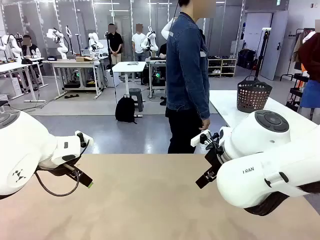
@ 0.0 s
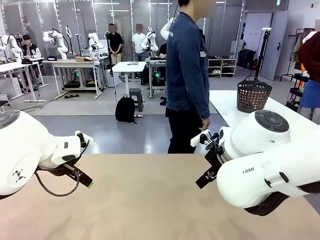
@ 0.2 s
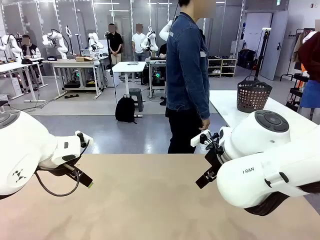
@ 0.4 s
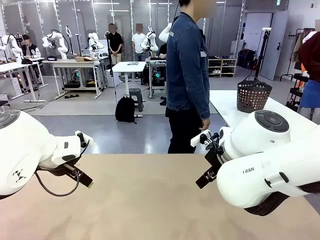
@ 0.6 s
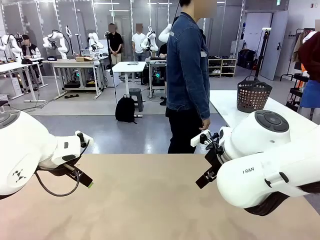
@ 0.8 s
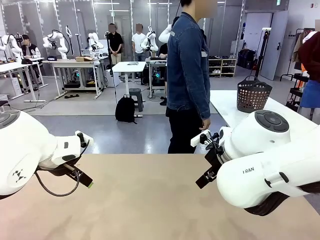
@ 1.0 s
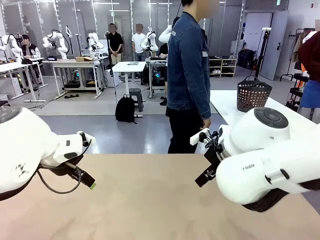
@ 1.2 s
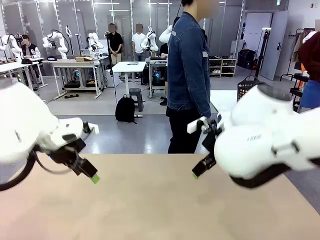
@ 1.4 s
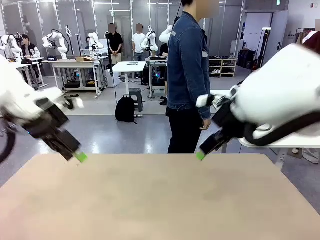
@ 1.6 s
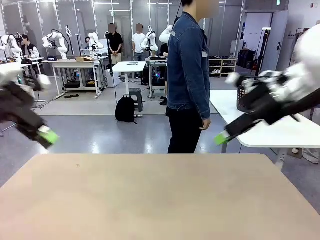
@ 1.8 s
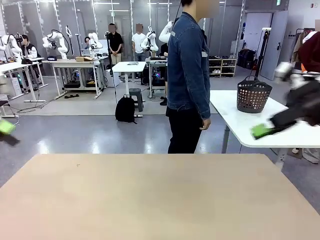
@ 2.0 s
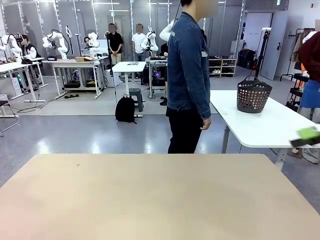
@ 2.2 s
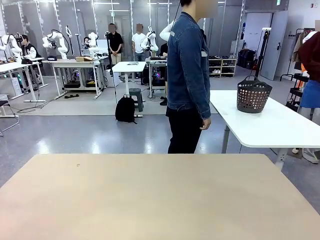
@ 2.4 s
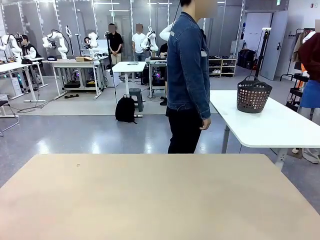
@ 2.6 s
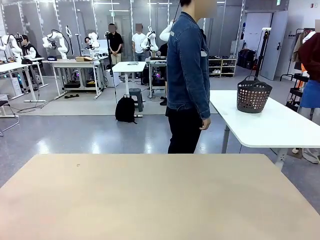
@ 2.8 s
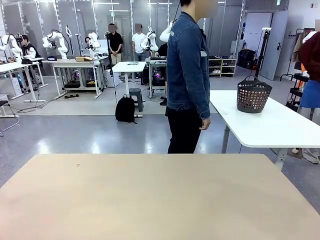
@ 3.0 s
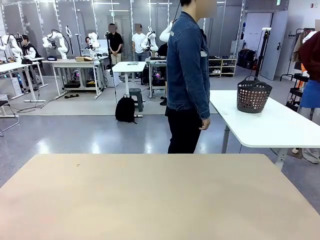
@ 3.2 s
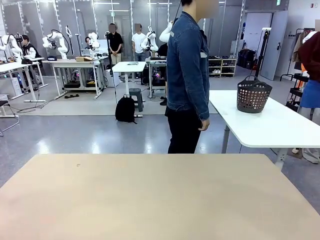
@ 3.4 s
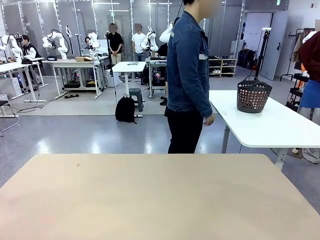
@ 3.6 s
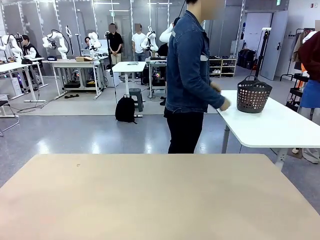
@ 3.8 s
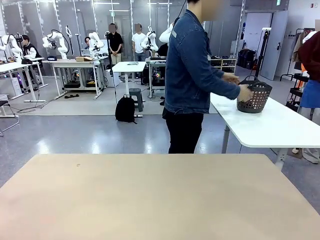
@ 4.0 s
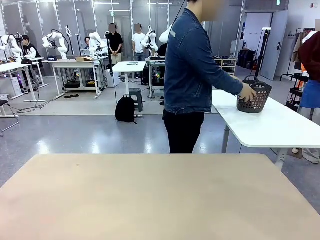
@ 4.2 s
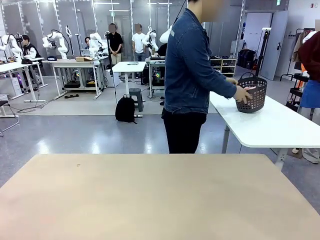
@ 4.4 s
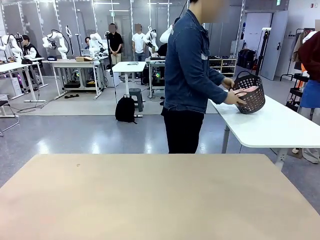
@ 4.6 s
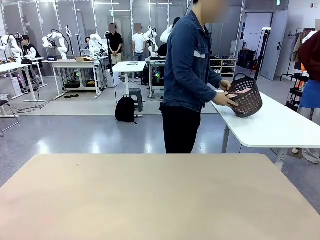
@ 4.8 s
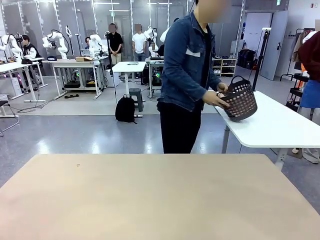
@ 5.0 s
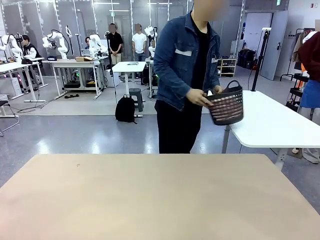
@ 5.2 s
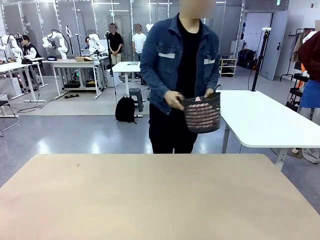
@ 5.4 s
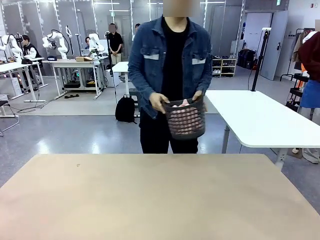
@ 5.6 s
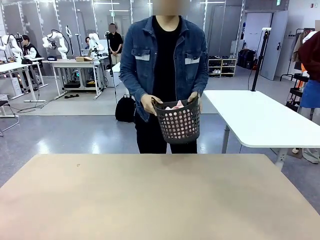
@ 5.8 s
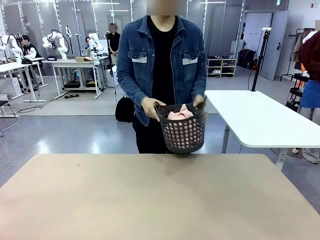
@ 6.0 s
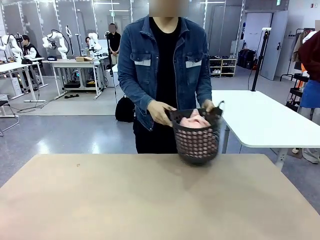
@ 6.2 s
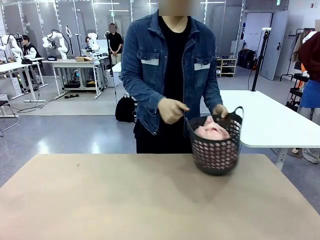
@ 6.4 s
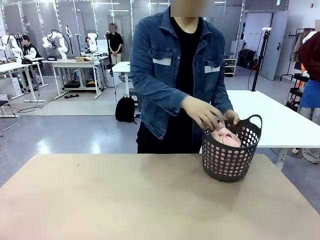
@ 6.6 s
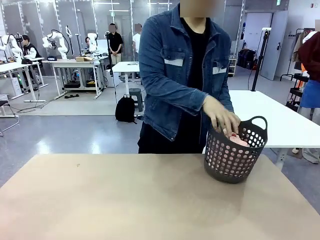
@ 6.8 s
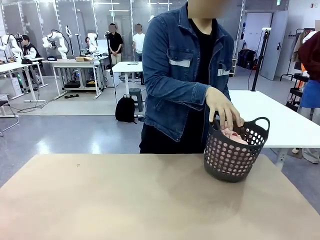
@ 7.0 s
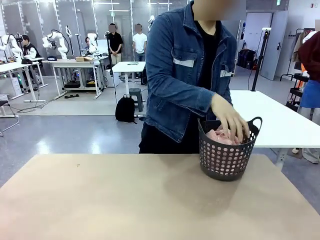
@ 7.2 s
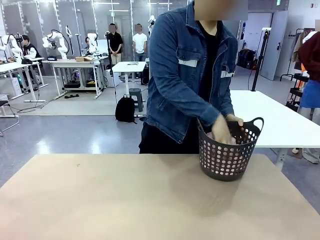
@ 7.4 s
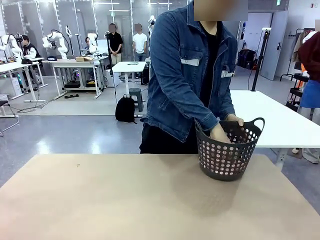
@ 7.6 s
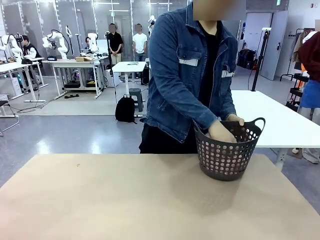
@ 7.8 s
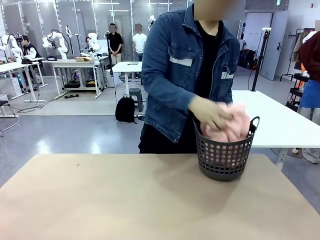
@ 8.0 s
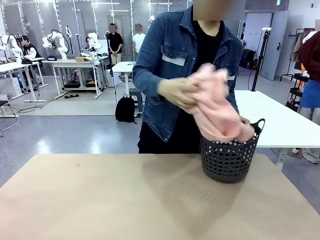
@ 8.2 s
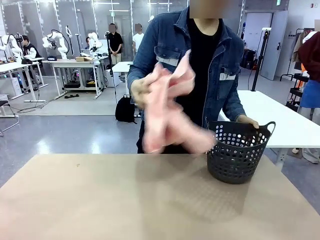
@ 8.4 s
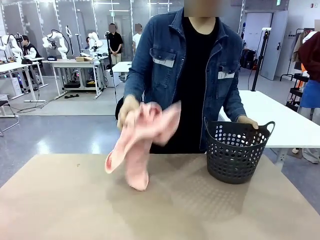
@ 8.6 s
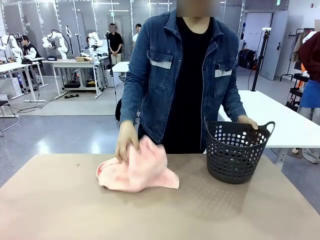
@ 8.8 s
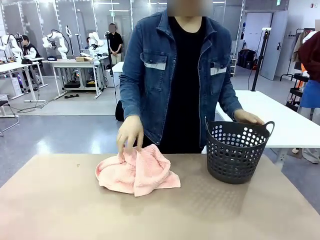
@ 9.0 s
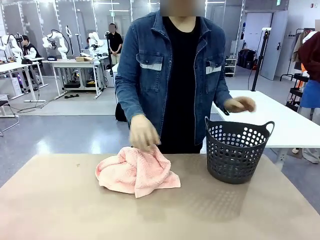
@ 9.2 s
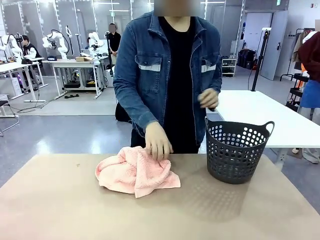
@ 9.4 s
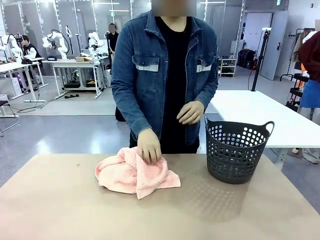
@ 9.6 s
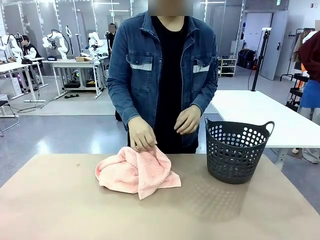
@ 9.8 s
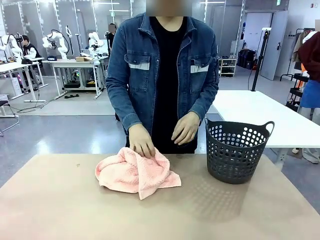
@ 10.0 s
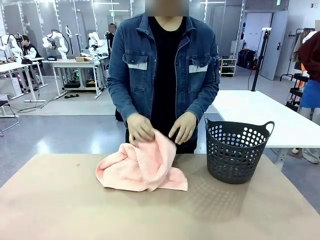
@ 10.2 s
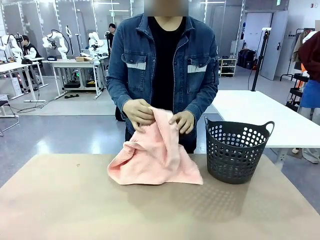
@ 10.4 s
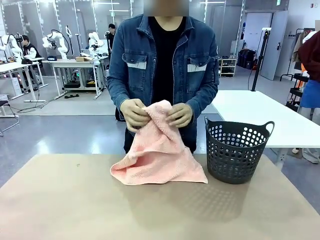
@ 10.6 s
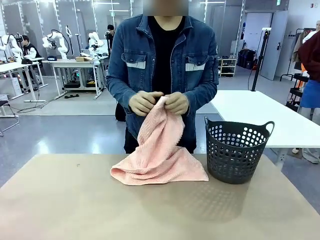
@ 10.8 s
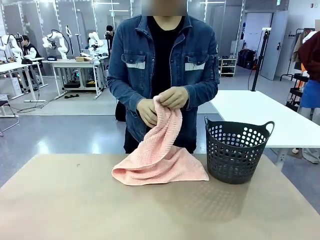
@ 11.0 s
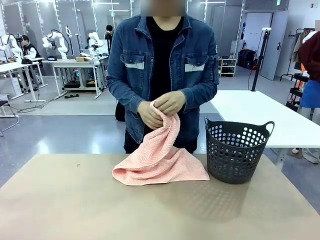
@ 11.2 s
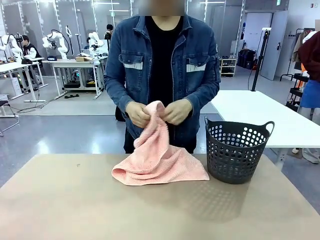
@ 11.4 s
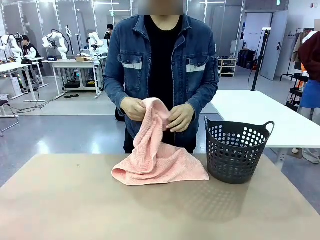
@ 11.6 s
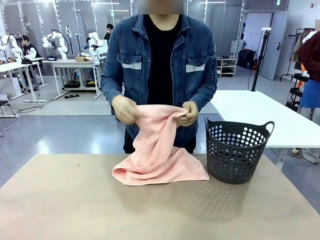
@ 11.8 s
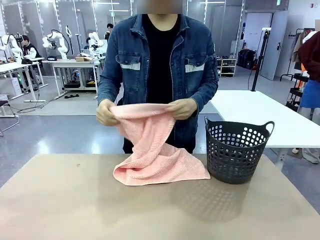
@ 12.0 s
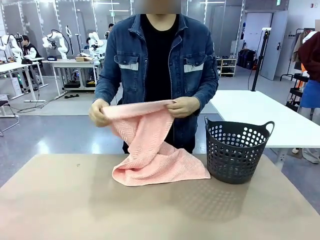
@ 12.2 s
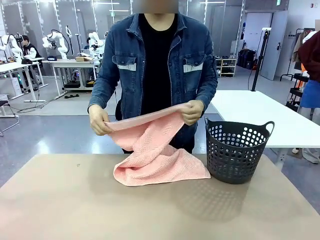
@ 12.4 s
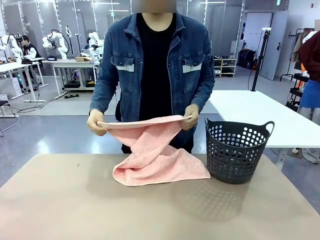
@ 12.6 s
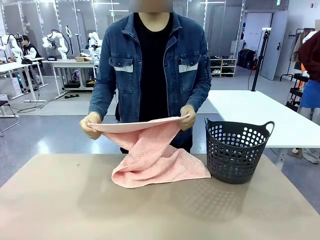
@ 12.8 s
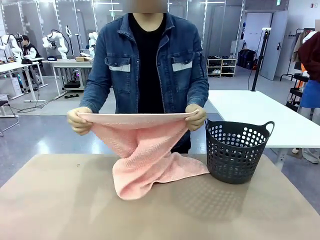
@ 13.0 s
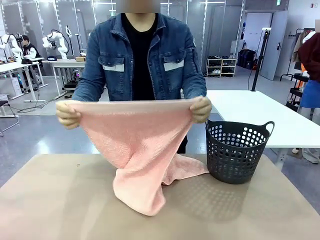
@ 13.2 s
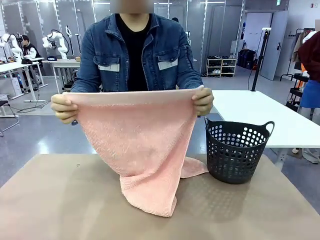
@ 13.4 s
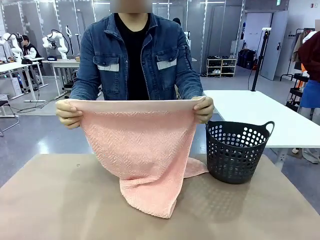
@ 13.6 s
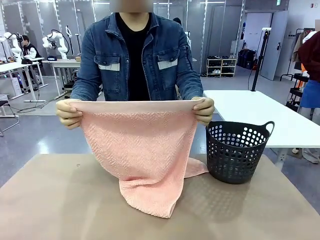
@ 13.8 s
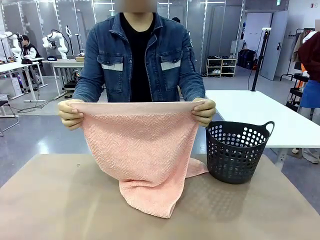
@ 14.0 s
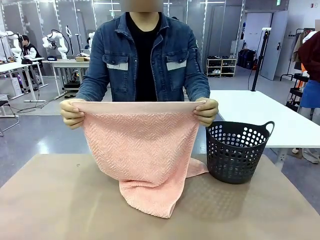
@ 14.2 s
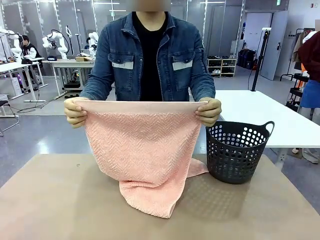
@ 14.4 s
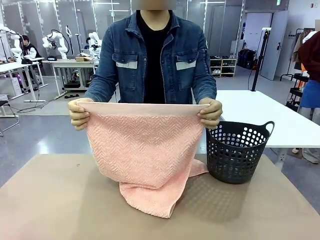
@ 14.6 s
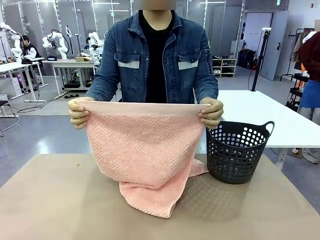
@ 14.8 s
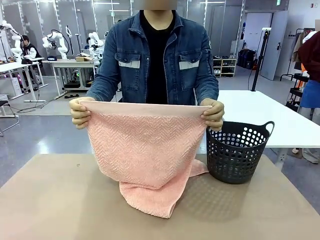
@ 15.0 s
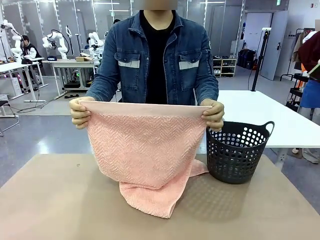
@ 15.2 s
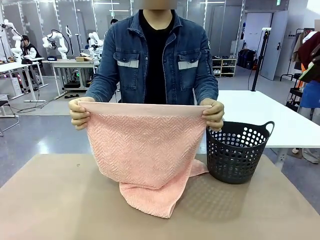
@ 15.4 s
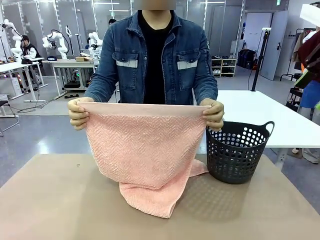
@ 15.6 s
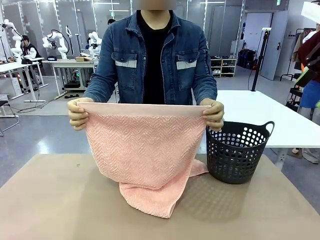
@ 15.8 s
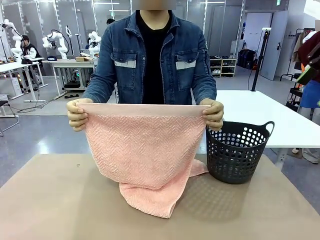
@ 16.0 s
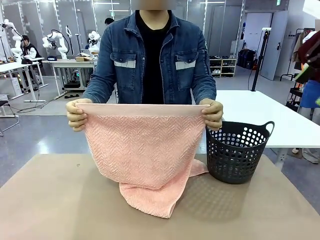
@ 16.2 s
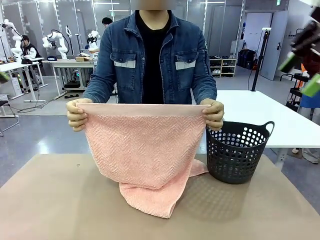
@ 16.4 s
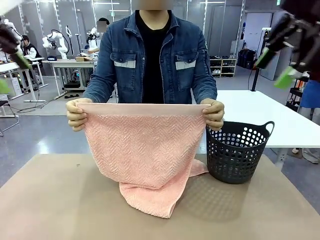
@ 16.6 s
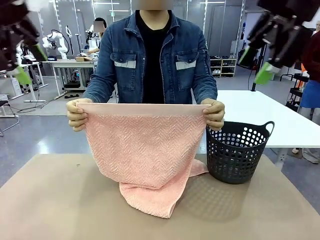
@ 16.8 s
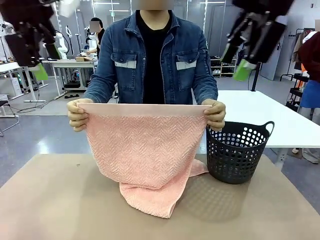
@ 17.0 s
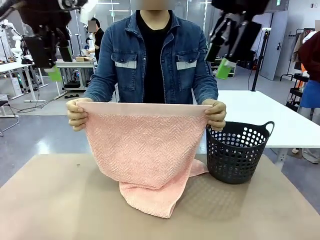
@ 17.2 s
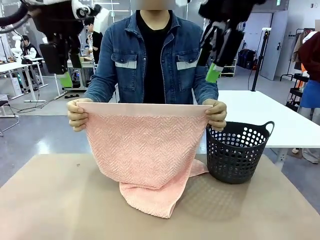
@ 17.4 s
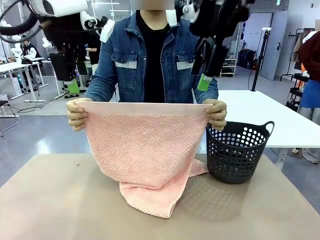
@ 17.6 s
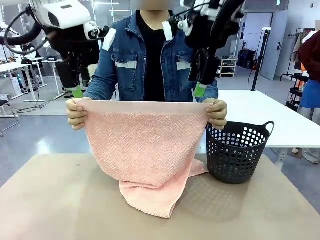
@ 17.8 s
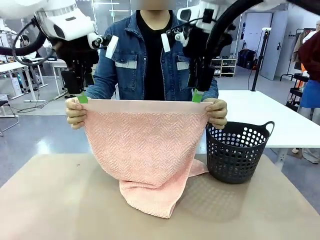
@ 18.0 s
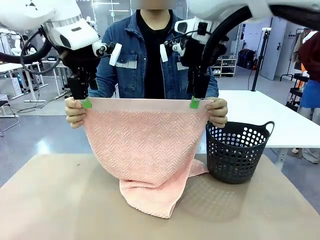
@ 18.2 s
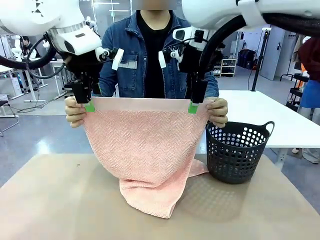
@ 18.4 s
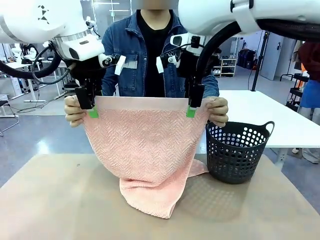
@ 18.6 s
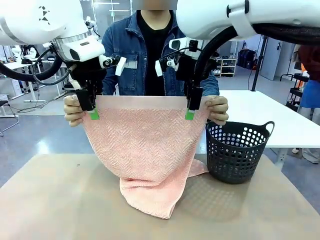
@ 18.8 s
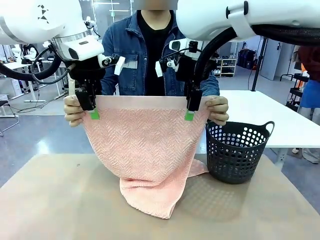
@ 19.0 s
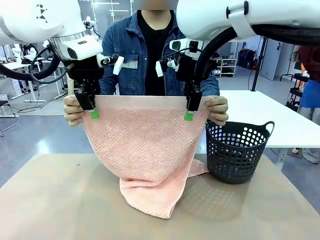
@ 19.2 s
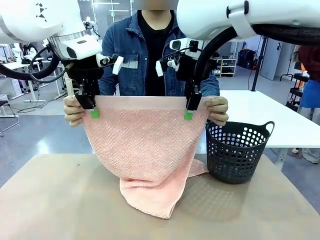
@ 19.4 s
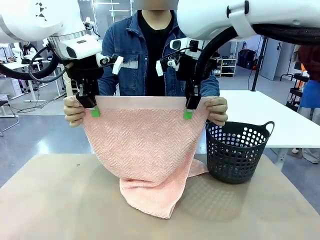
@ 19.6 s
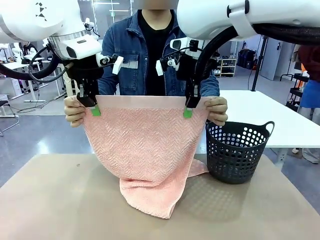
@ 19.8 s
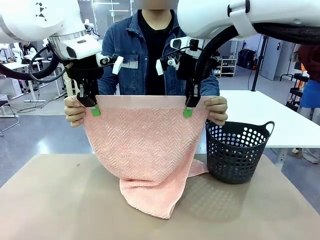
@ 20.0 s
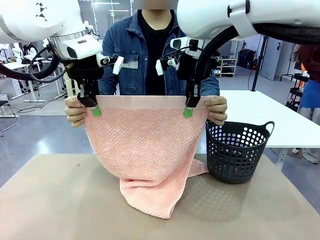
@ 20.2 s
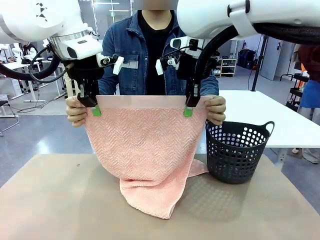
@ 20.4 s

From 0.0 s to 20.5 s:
Task: Fold the towel.
Robot: Grab the top end of the 100 cm Hotel Towel extended by the human.
Person: Pick up the laundry basket, place it on the left side of the robot table, then take out a towel and hand it to the robot while holding both corners of one end.
